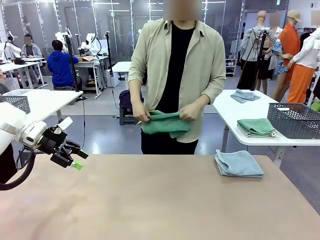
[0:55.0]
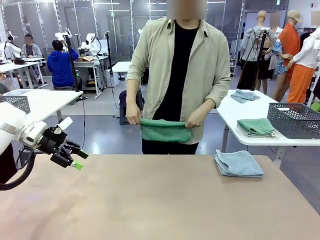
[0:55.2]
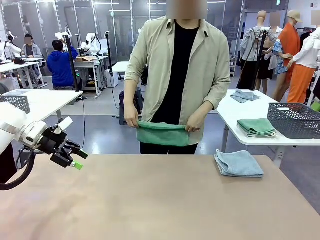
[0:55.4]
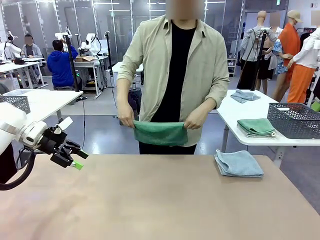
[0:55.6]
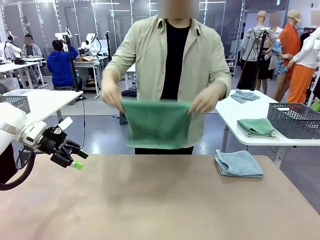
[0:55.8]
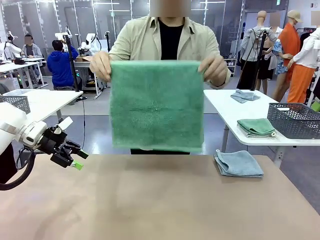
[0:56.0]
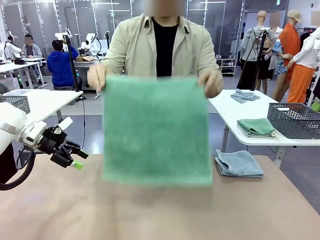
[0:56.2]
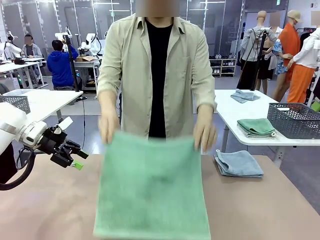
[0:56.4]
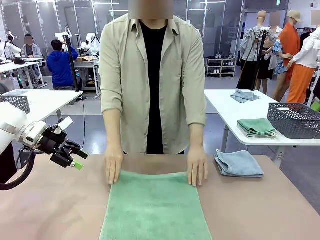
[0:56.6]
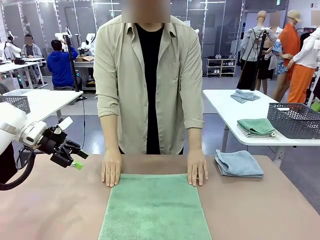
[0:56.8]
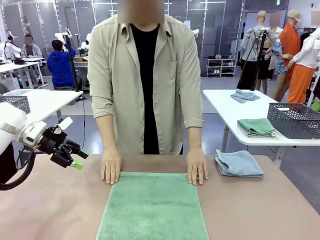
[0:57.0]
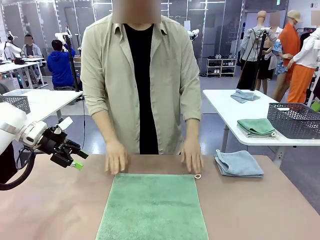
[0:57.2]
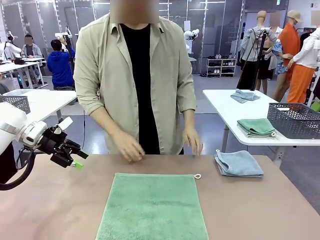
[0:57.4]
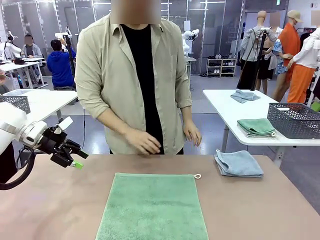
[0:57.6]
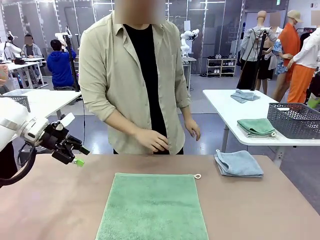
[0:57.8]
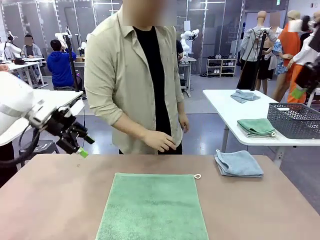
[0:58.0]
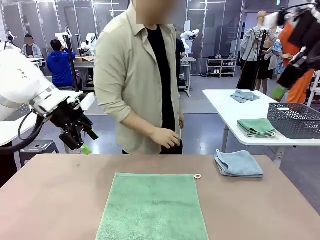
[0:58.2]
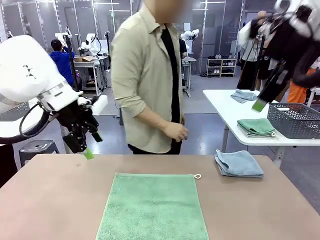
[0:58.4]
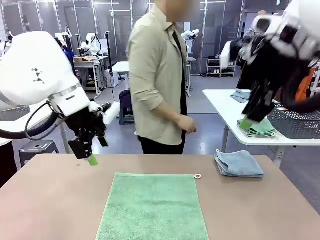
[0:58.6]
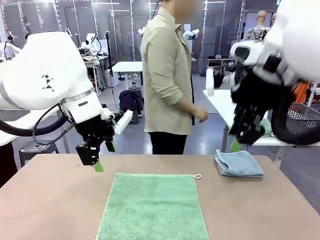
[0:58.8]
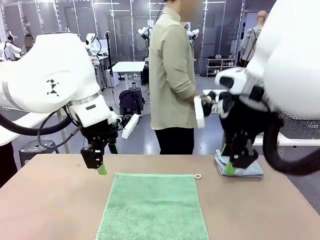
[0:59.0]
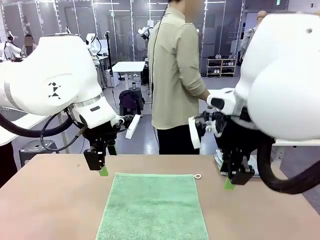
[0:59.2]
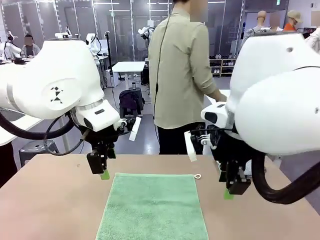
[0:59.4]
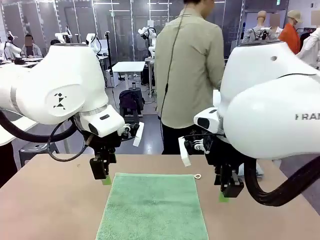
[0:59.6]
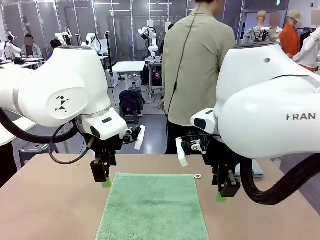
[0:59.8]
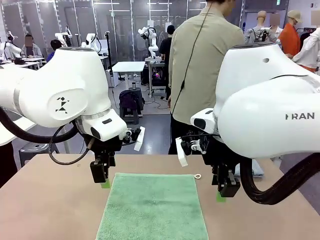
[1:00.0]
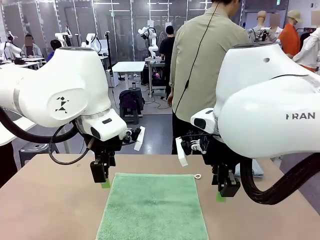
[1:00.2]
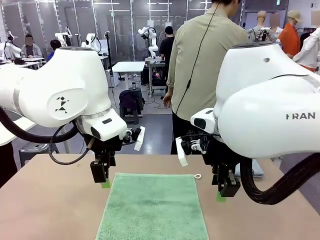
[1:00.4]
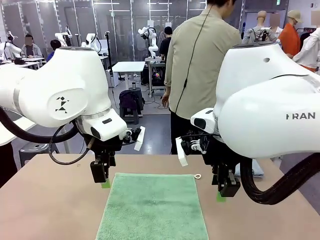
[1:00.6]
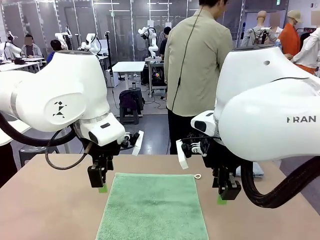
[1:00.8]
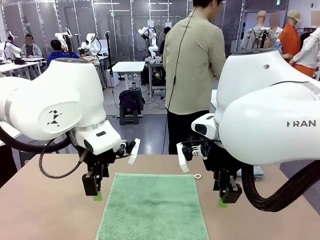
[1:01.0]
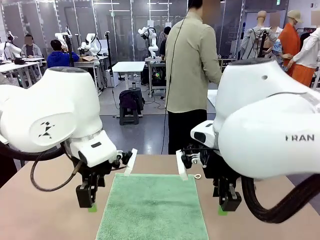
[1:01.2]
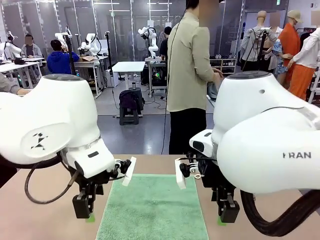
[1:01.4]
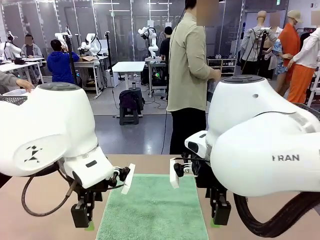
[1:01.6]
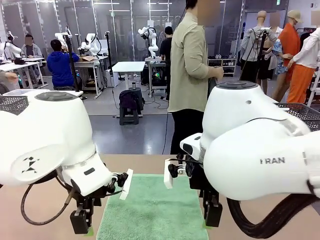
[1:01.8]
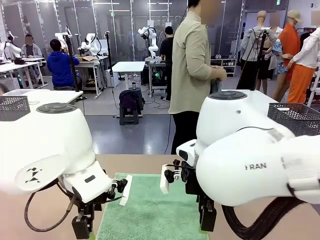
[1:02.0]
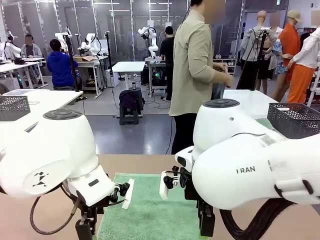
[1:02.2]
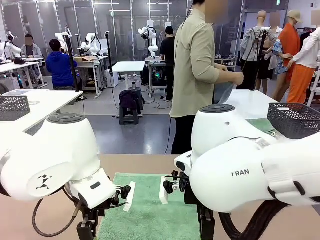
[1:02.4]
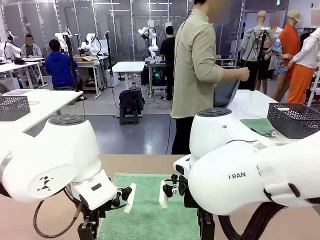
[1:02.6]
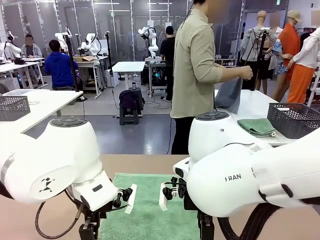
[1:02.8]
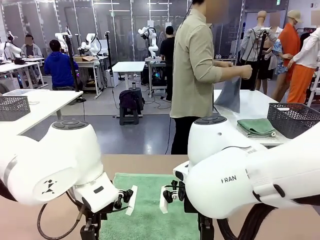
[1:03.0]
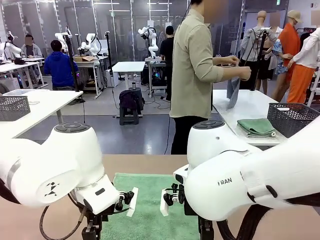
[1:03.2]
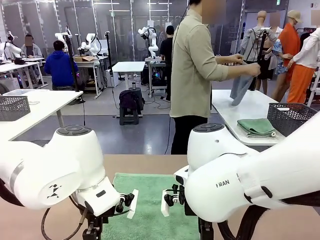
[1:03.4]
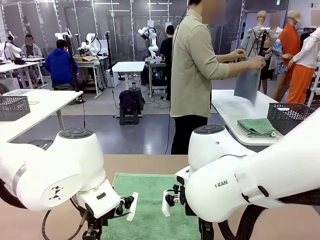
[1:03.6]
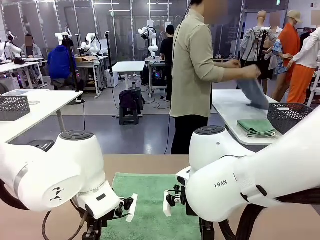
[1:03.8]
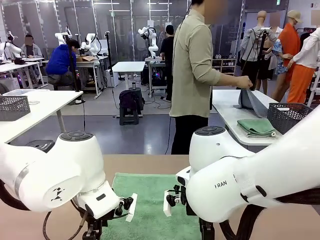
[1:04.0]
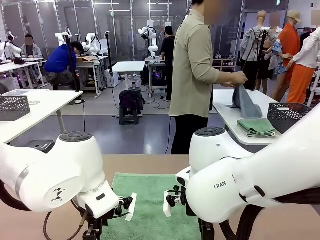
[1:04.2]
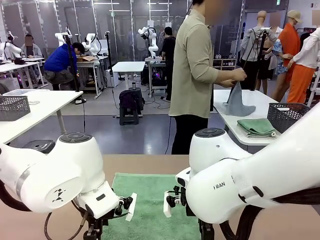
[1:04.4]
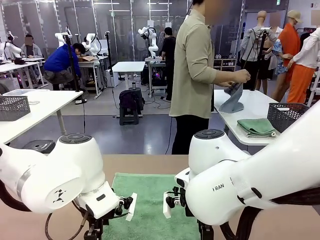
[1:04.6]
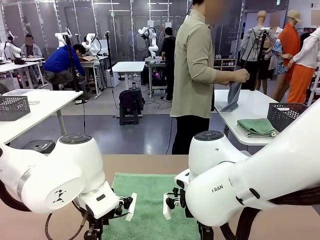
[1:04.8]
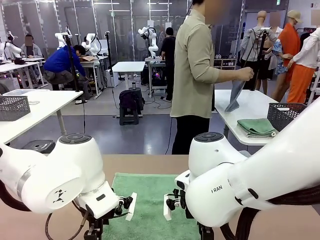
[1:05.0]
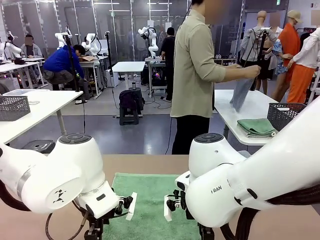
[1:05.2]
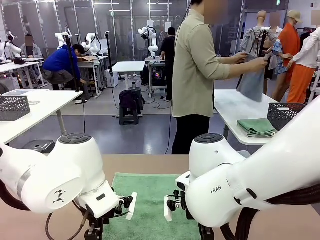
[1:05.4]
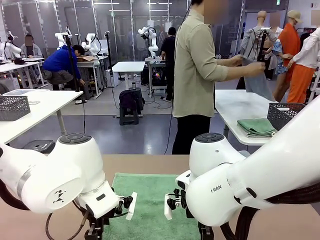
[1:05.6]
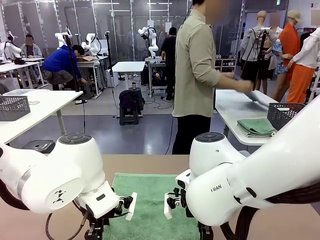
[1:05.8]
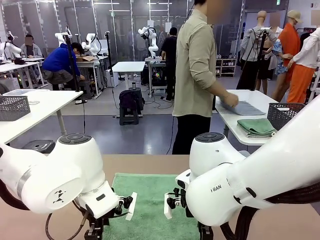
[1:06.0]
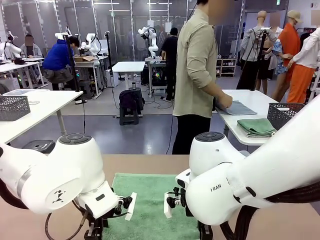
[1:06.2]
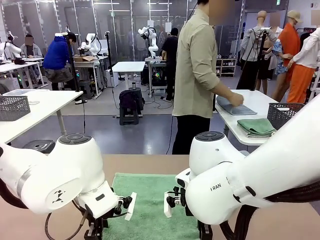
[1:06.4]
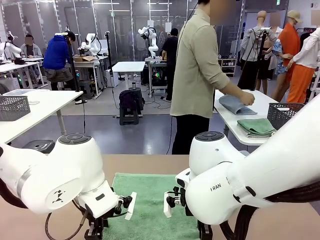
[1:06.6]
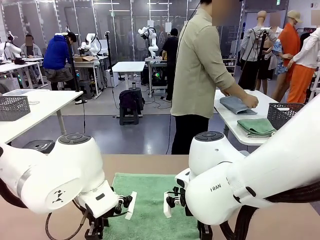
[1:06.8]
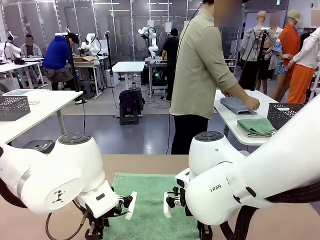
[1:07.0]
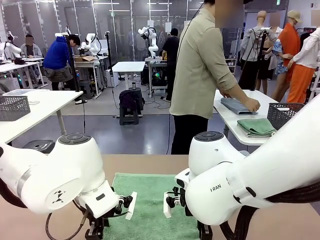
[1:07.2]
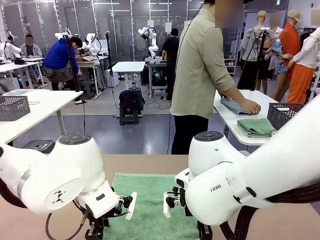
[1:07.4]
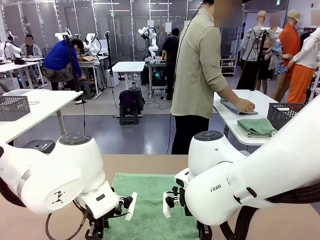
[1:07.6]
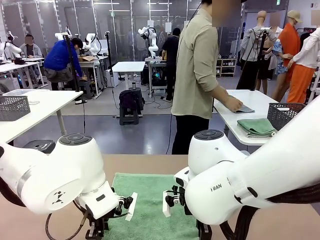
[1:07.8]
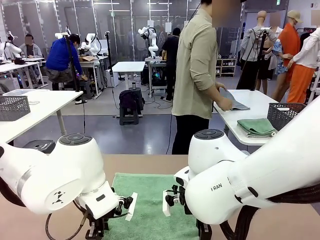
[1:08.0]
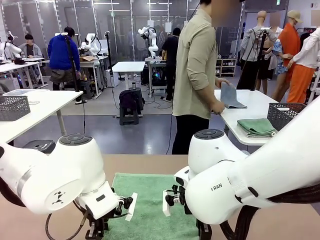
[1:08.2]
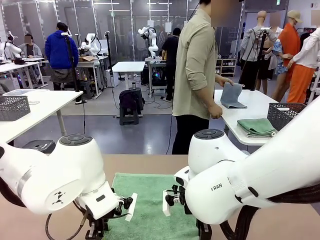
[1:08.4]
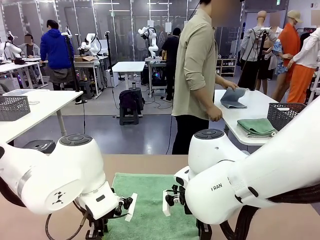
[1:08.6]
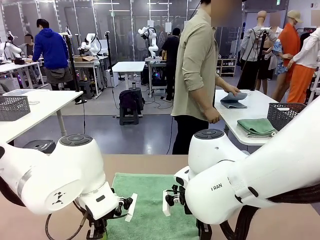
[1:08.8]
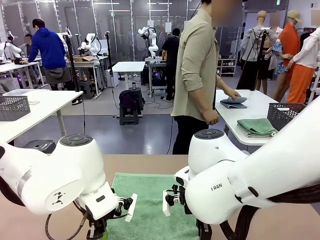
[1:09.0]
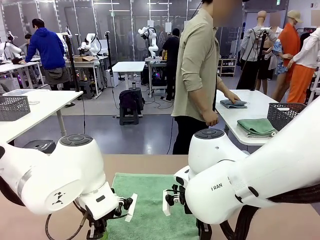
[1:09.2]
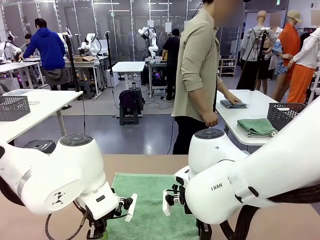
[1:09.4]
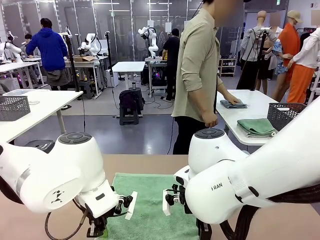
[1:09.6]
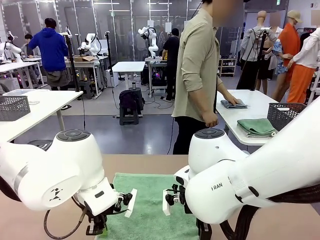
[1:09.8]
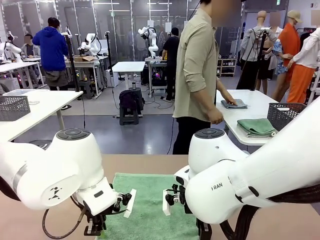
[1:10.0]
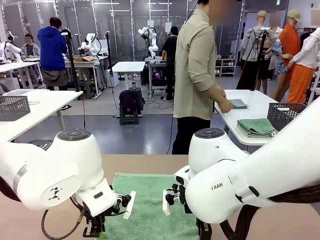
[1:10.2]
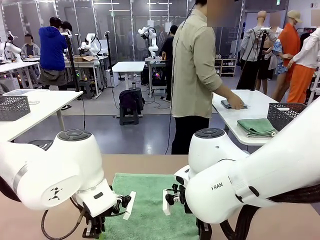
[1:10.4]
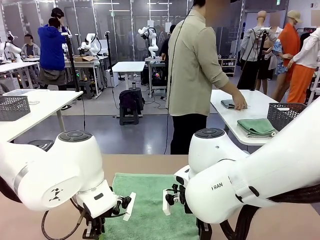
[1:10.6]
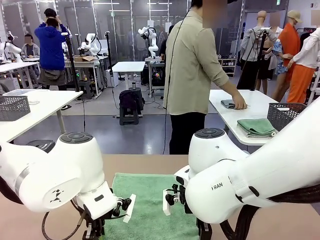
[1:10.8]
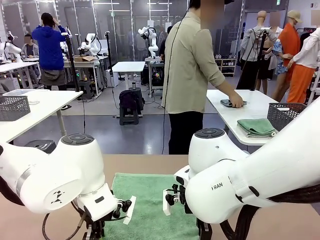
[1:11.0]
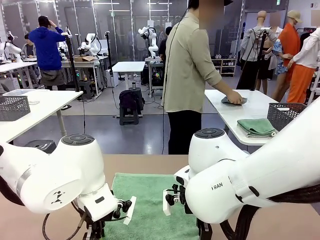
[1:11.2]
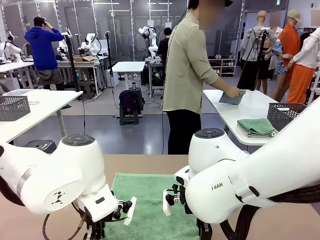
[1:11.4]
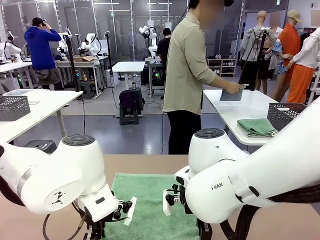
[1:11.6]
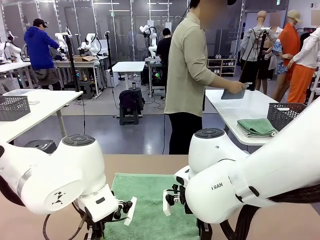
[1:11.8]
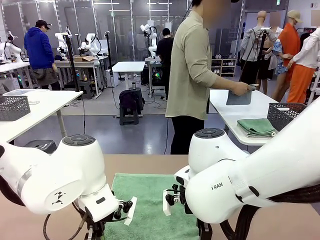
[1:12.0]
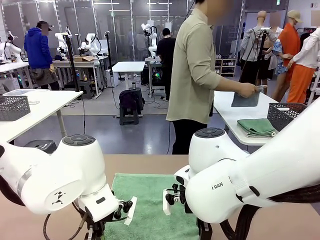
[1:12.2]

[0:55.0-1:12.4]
Task: Fold the towels and place them in the basket.
Robot: When a person lays out a Towel with hook on the table, fold it in half twice.
Person: Pick up one towel from the left side of the human table, fold it in half twice, and stack it on the right side of the table.
